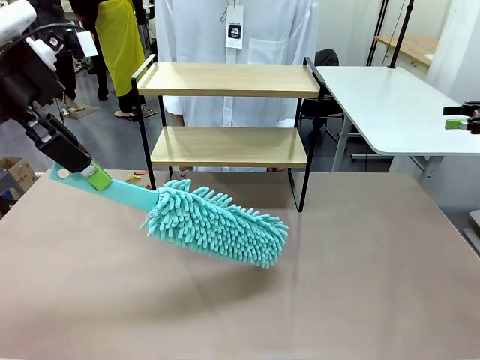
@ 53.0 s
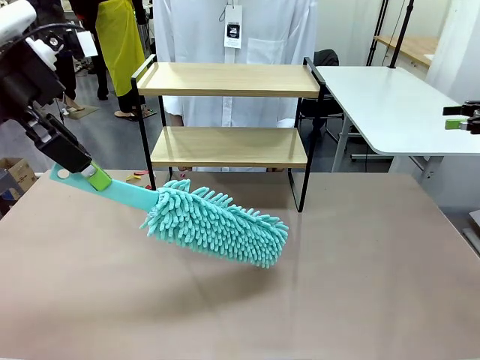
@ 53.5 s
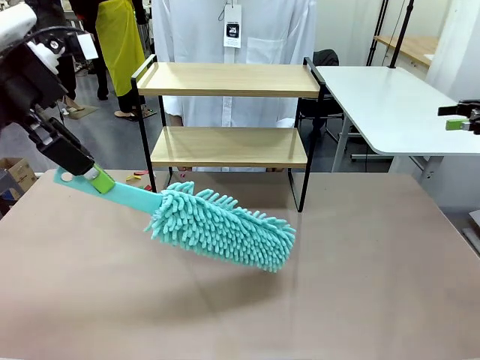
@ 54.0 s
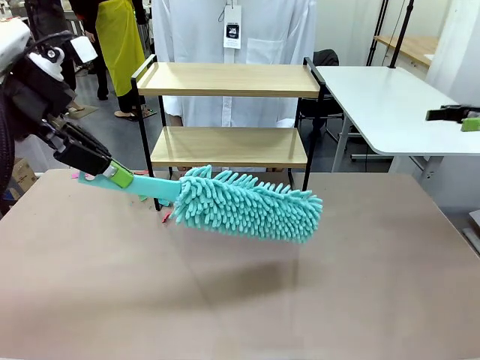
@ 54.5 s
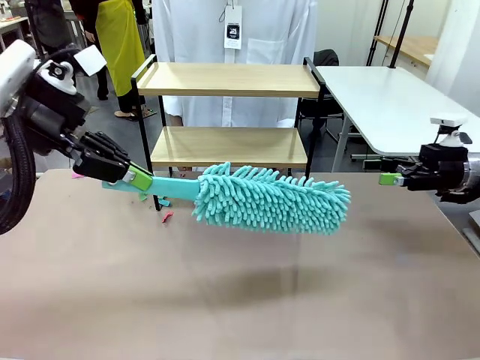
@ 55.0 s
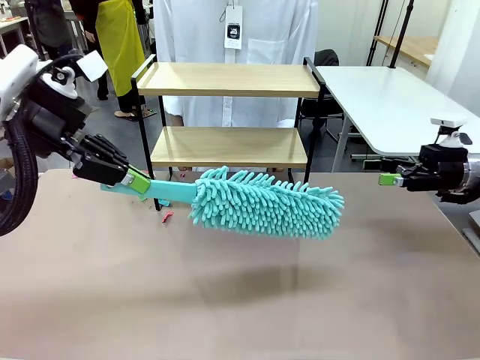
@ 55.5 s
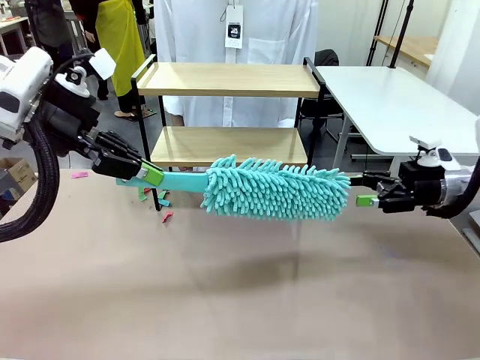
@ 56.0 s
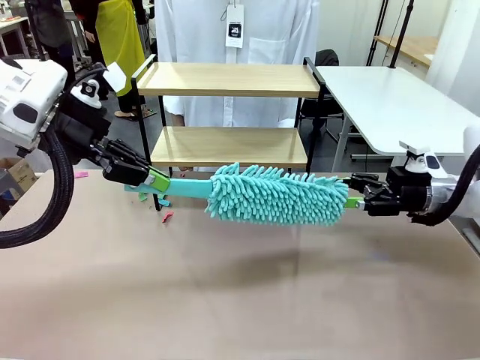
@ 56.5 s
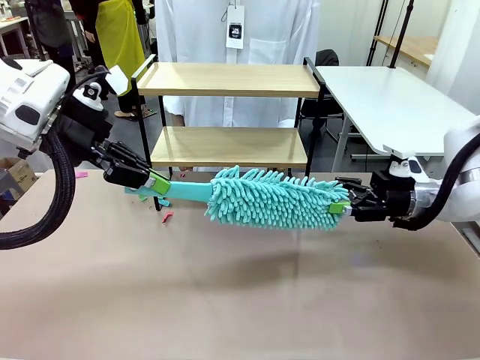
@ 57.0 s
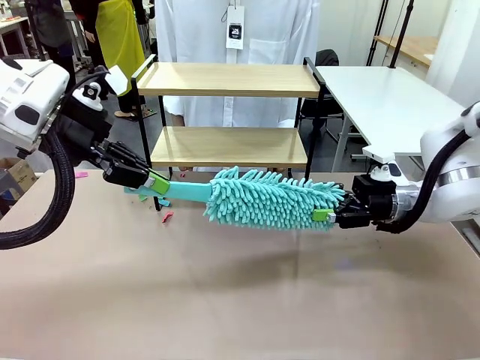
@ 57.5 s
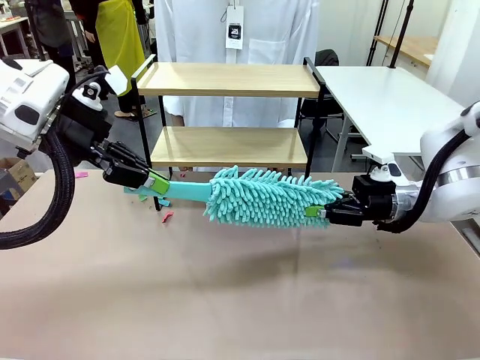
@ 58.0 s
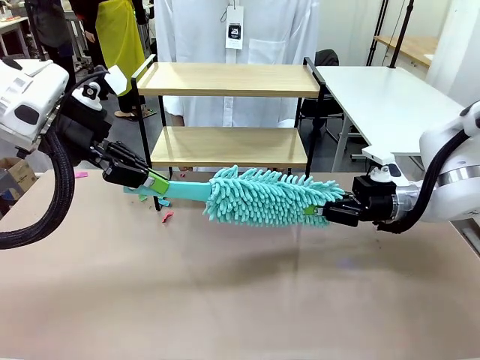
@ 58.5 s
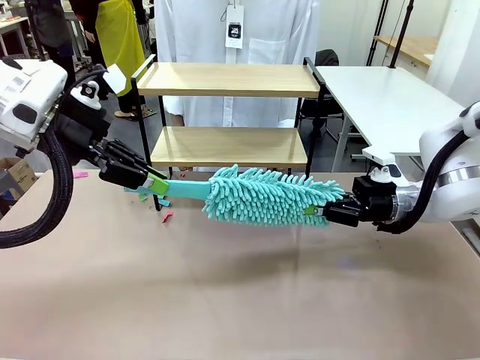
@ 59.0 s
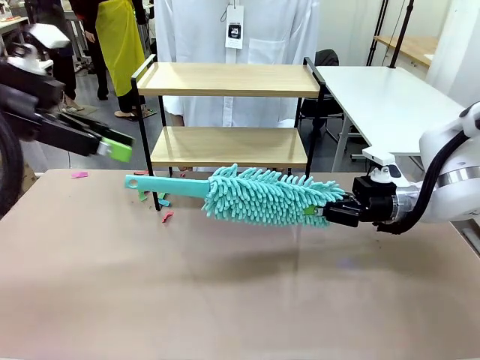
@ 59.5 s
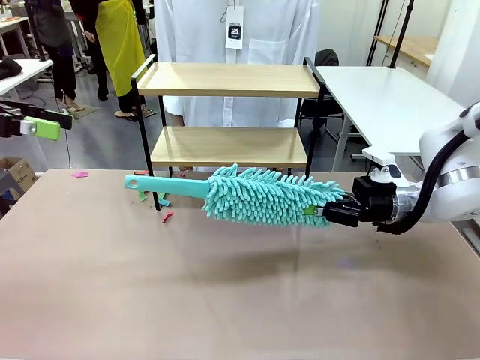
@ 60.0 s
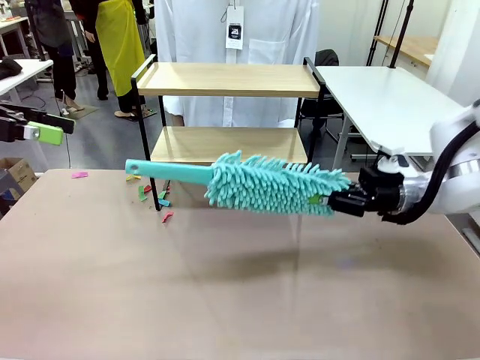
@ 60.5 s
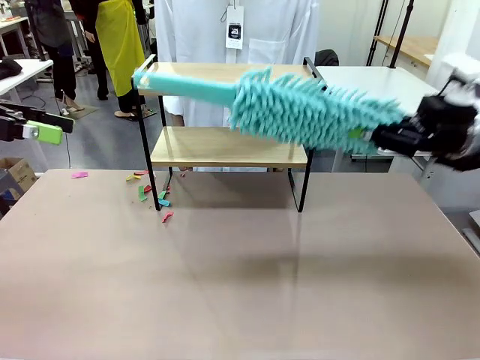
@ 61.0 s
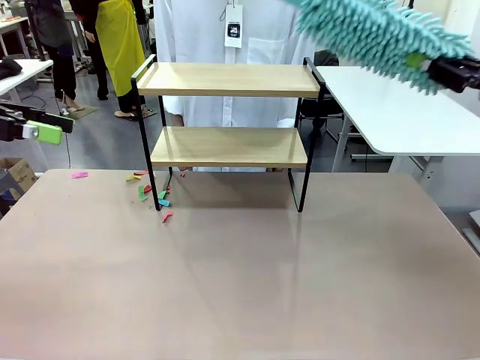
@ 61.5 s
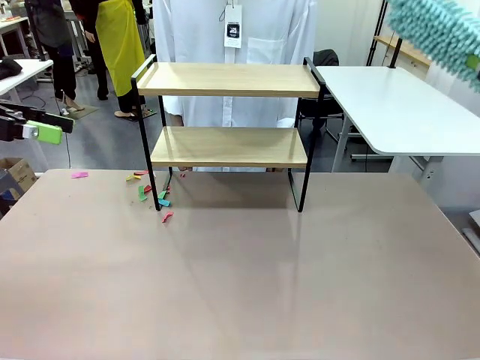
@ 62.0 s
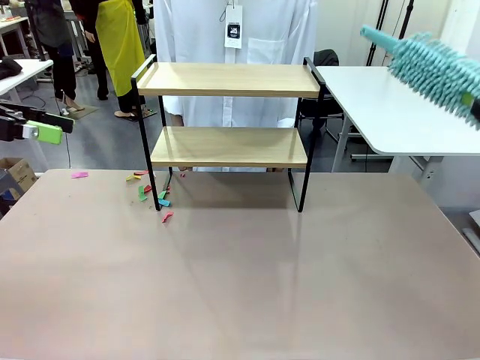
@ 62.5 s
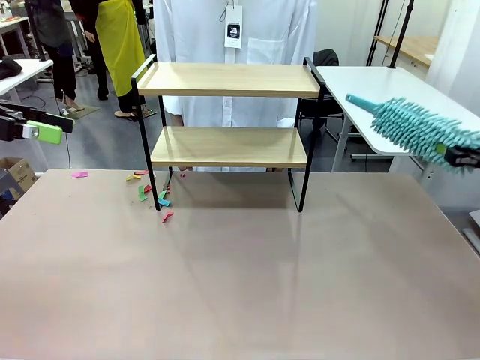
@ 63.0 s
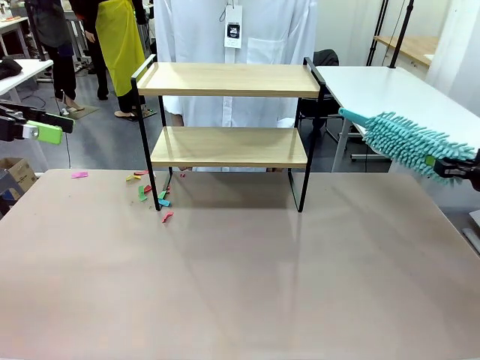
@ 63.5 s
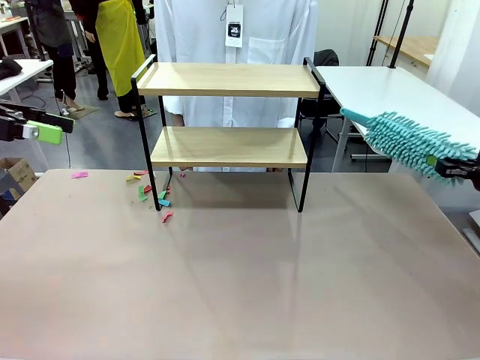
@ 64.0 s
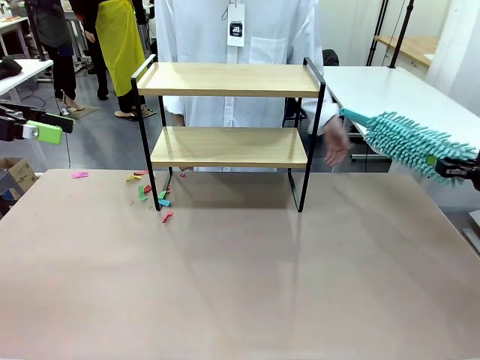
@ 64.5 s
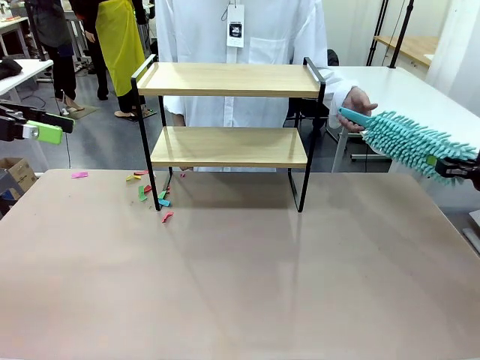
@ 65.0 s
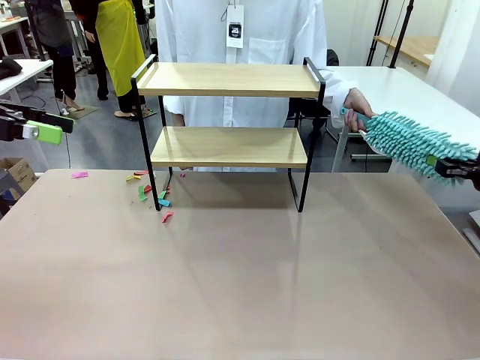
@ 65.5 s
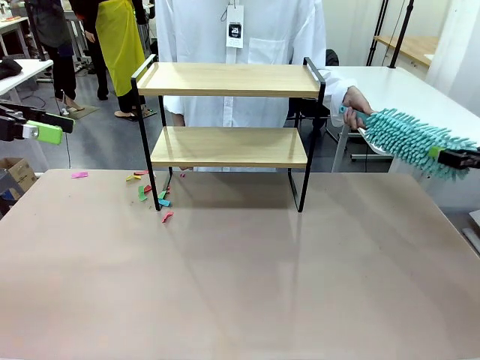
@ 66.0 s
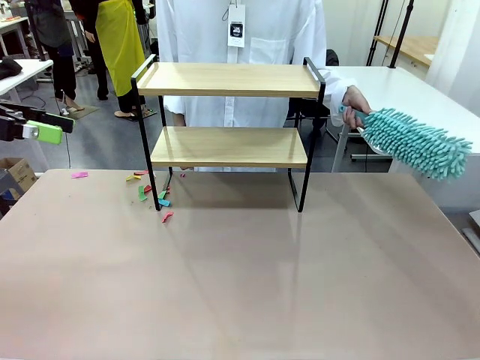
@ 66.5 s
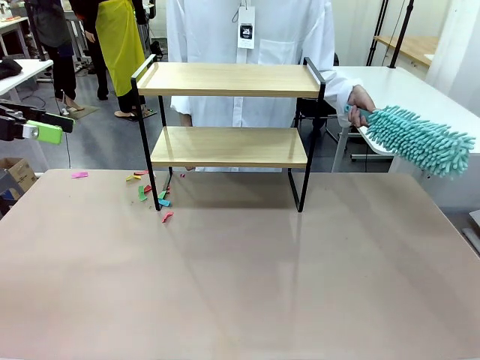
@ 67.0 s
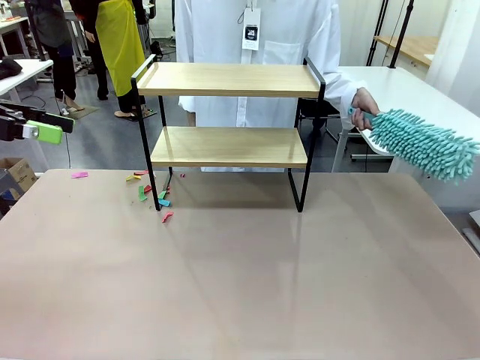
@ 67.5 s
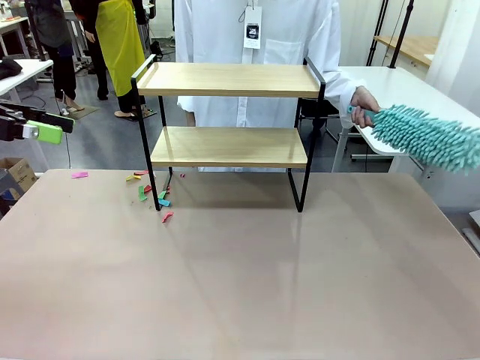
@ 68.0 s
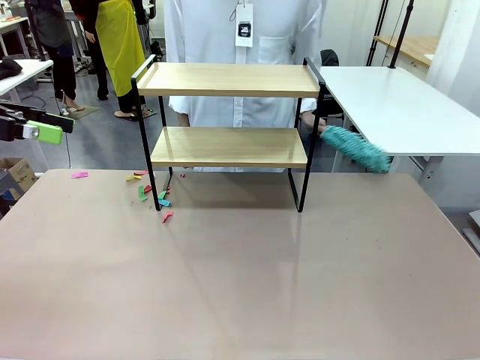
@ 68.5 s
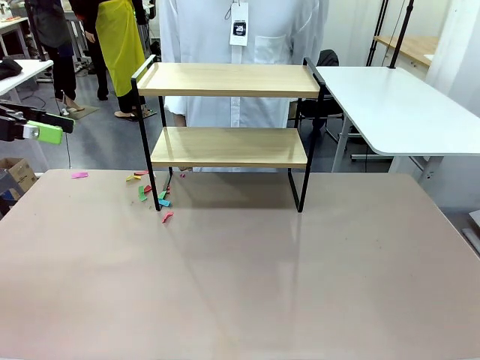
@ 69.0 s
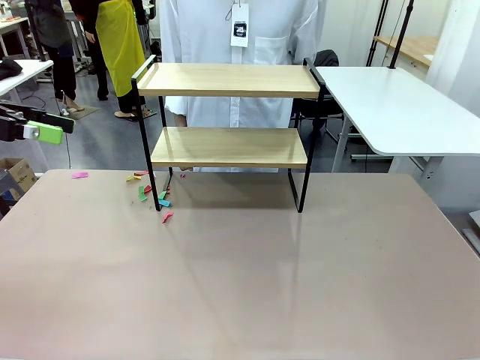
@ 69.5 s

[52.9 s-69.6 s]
Task: Clean the shelf.
Robot: Hand the Duster back to the human.
Person: Receive the Duster from the robot.
